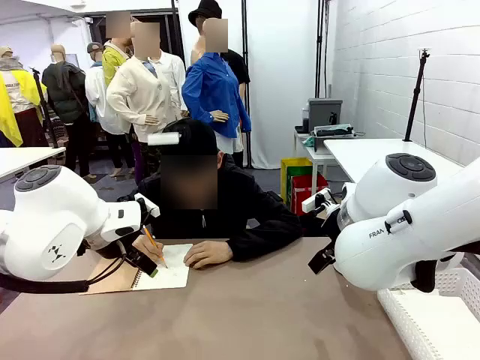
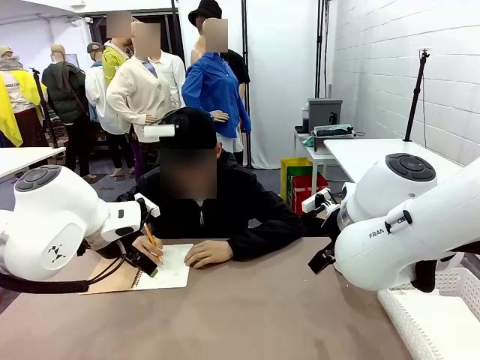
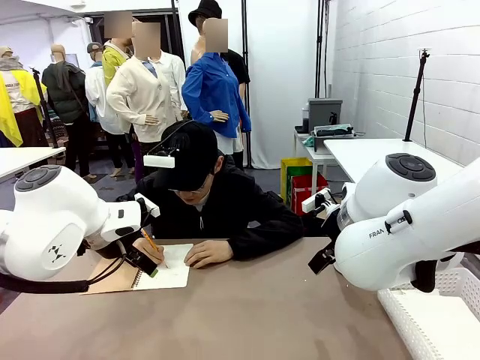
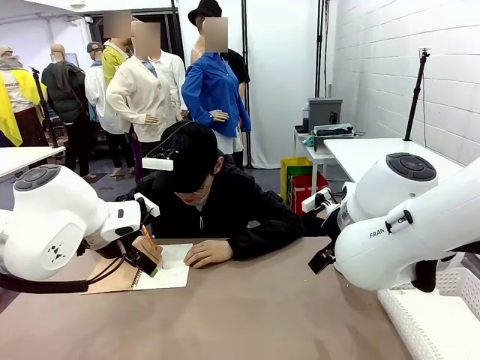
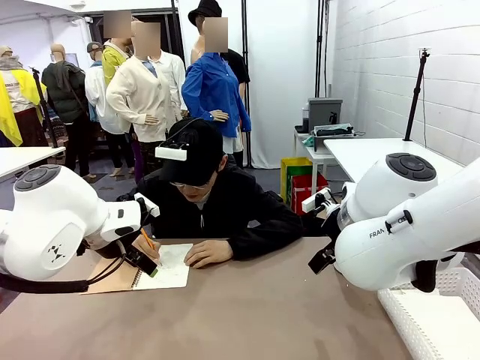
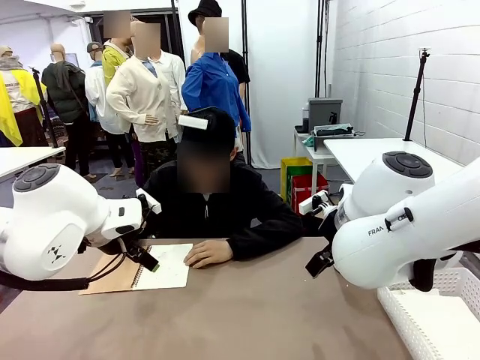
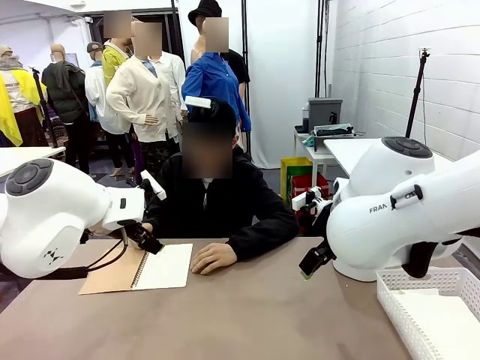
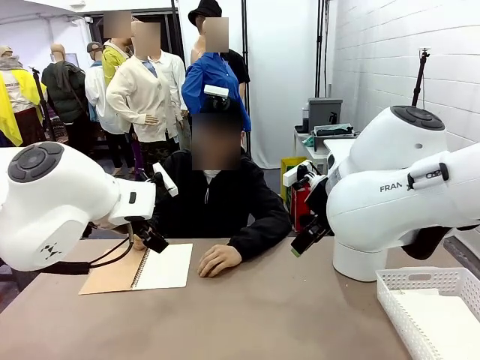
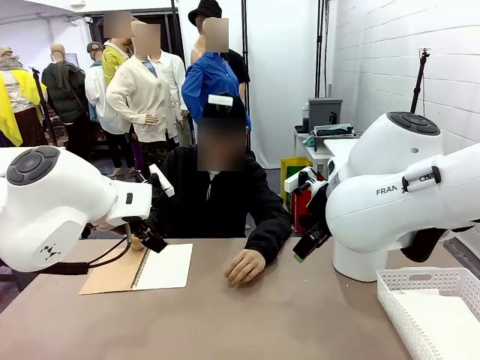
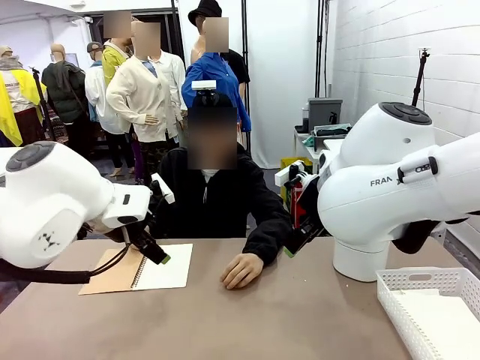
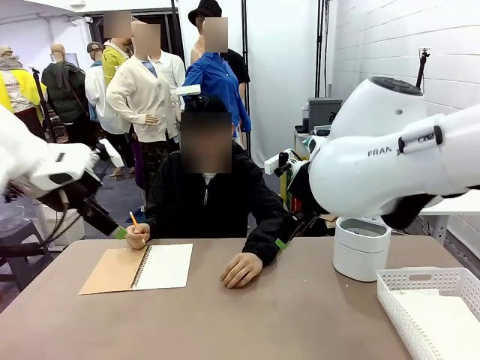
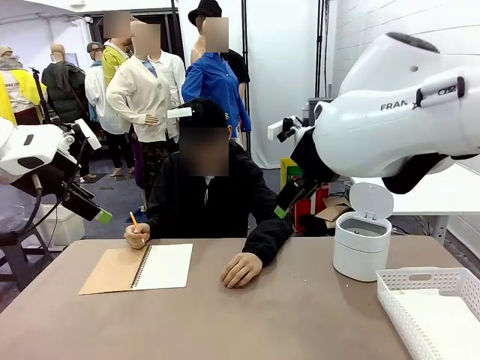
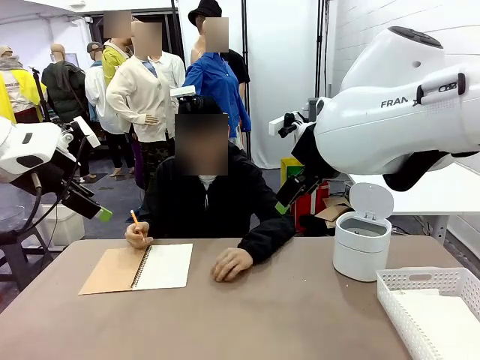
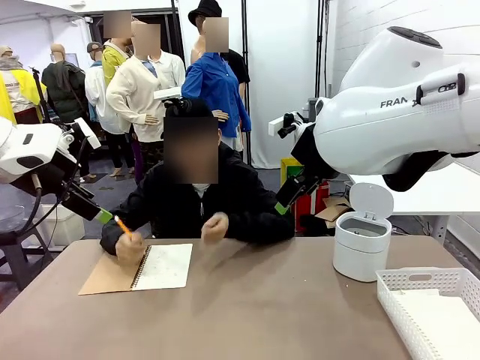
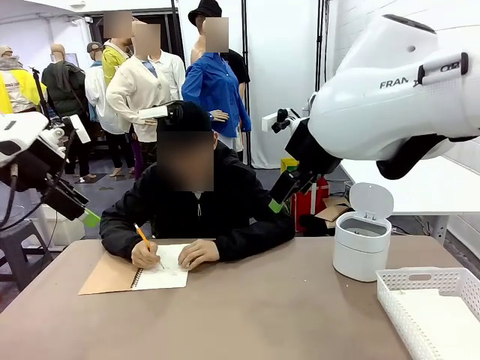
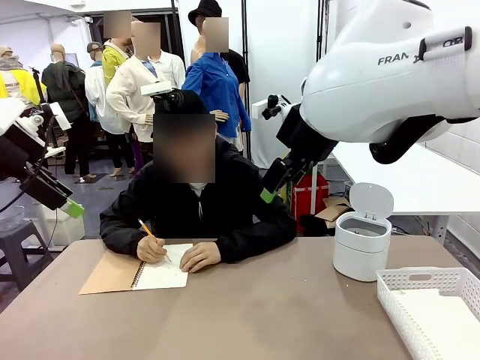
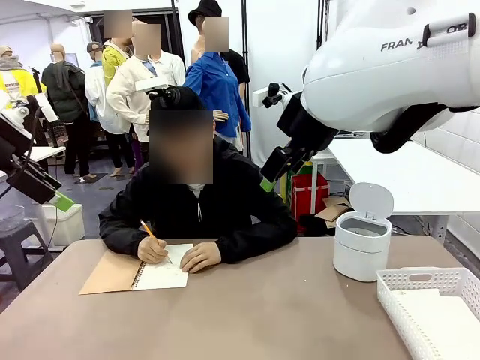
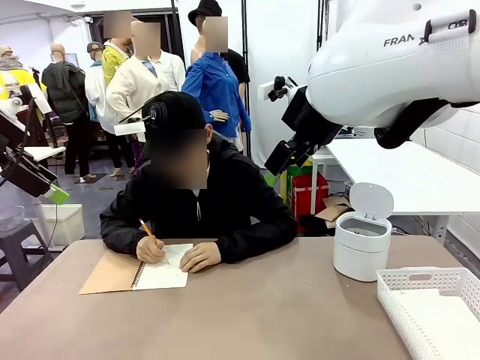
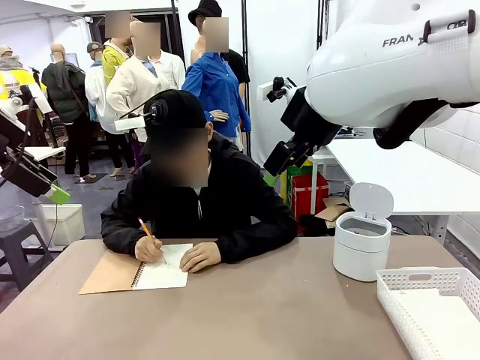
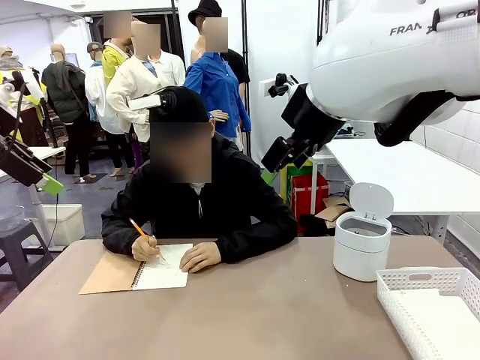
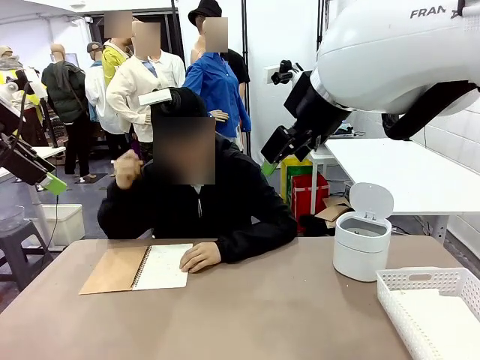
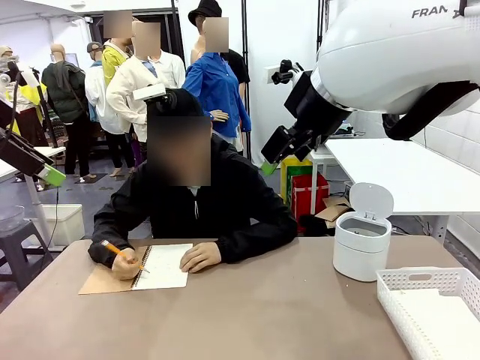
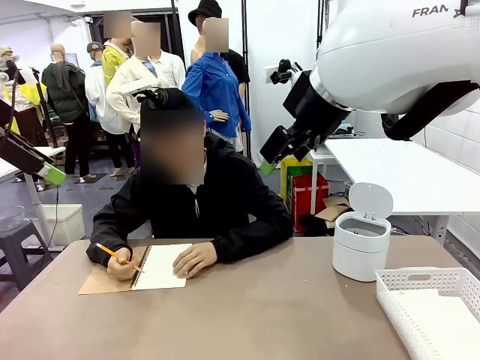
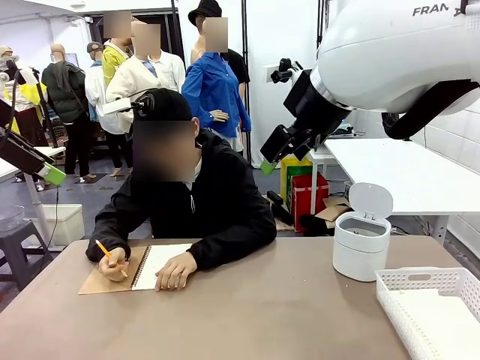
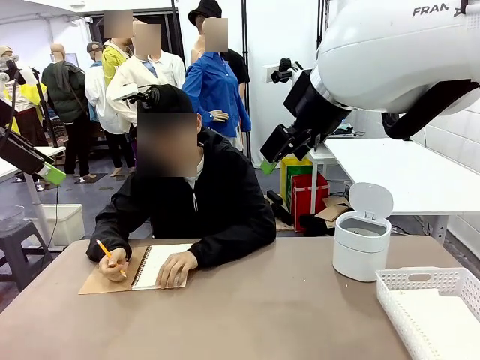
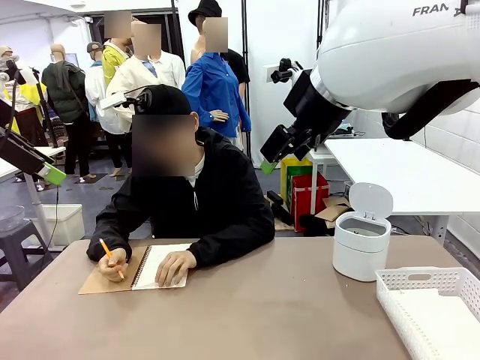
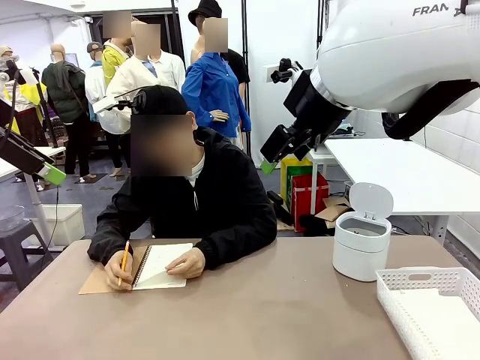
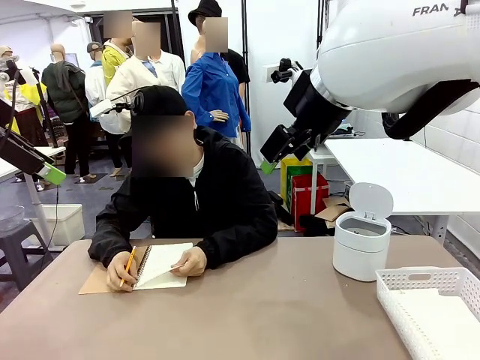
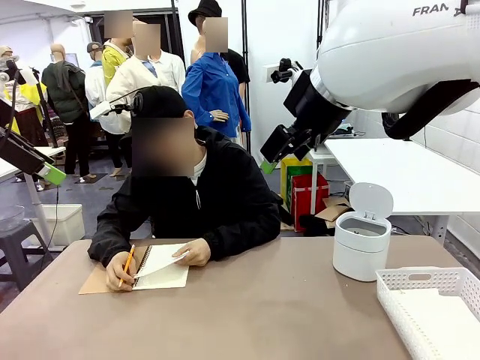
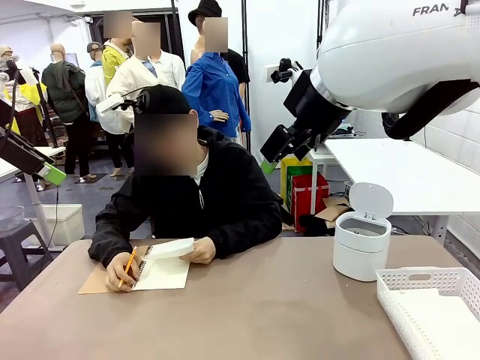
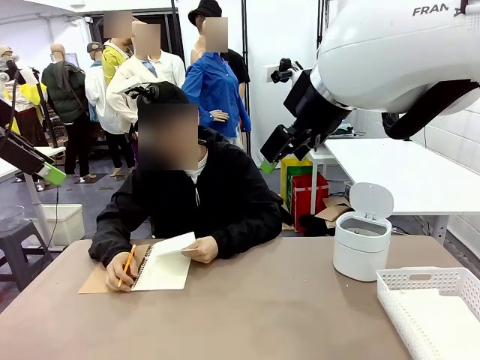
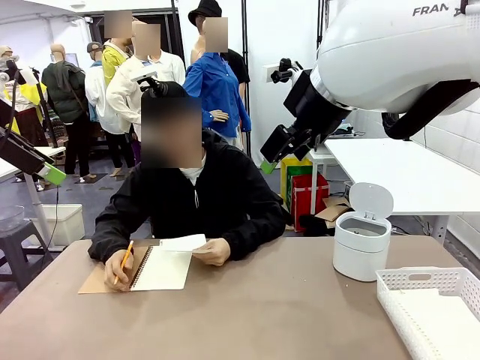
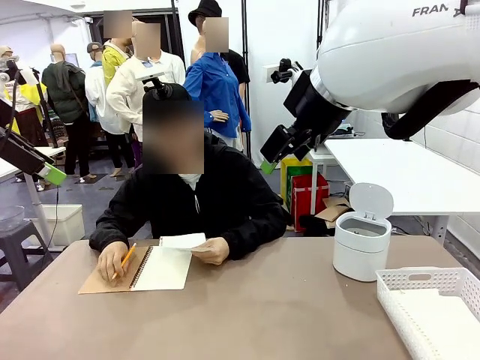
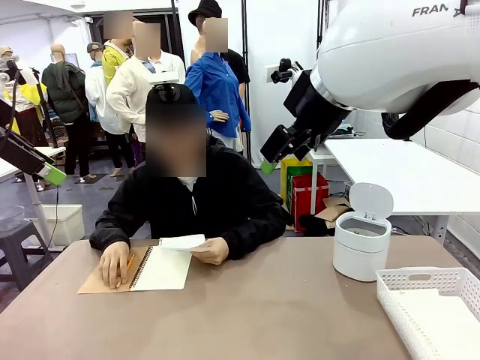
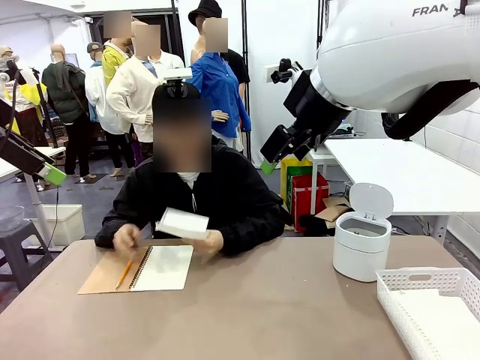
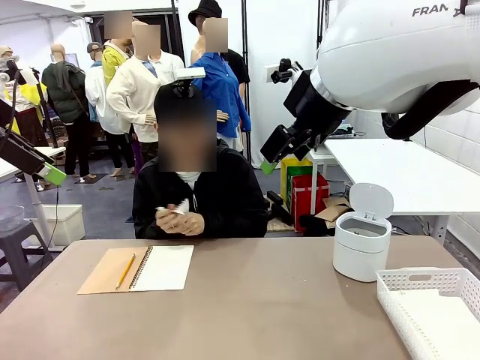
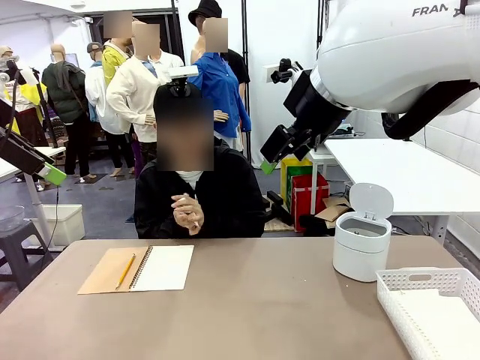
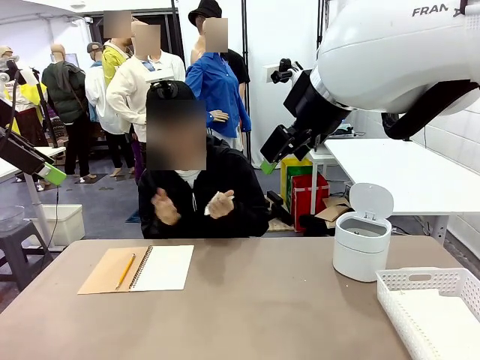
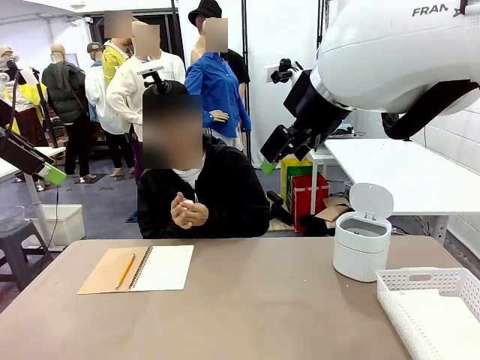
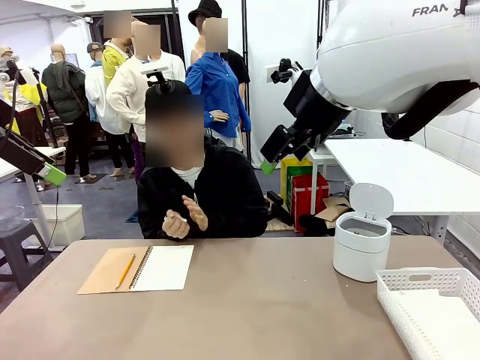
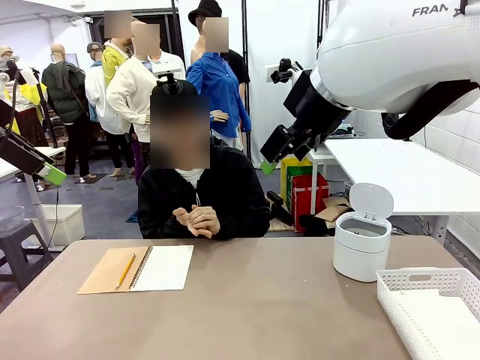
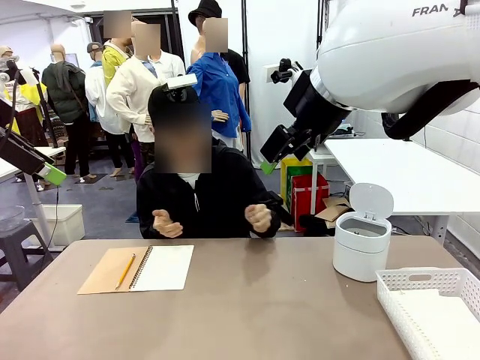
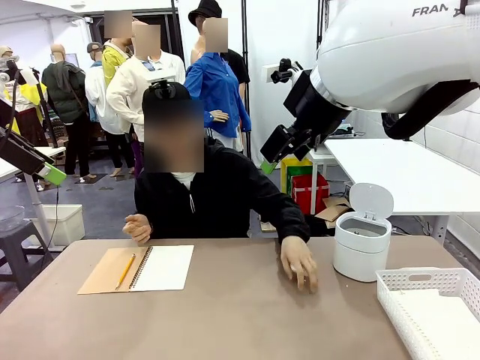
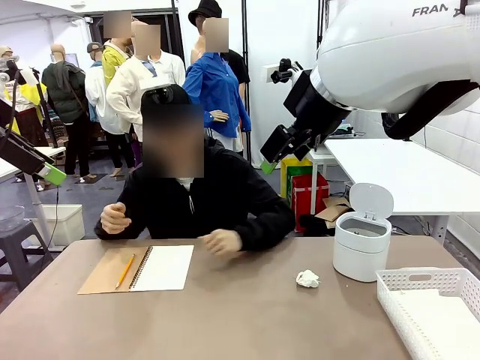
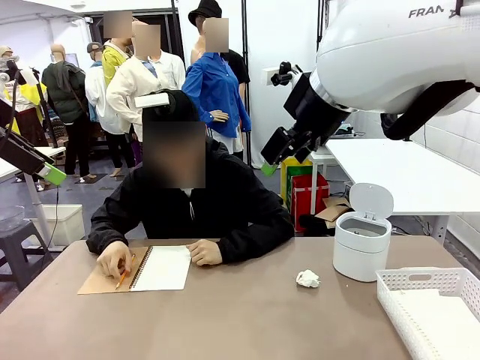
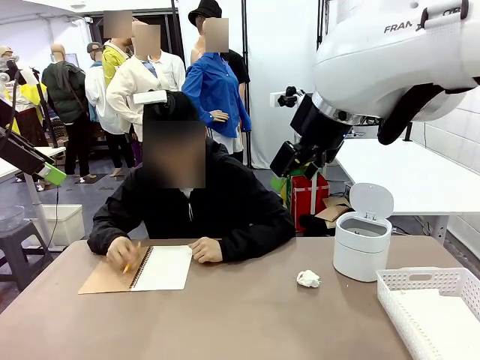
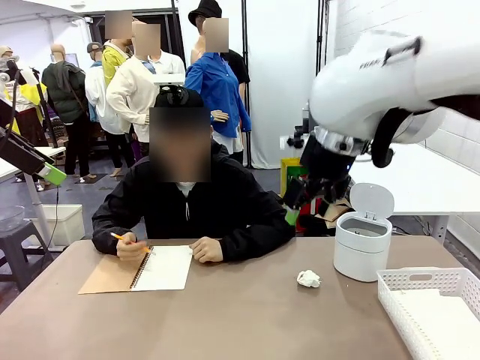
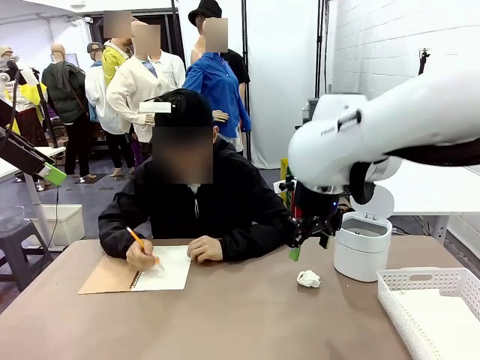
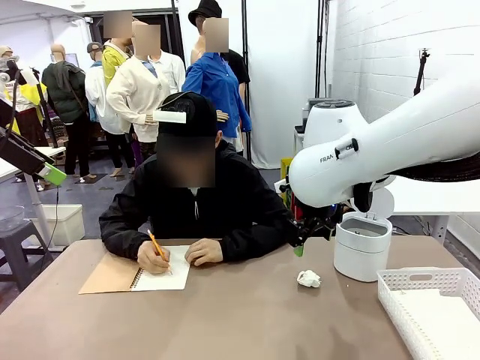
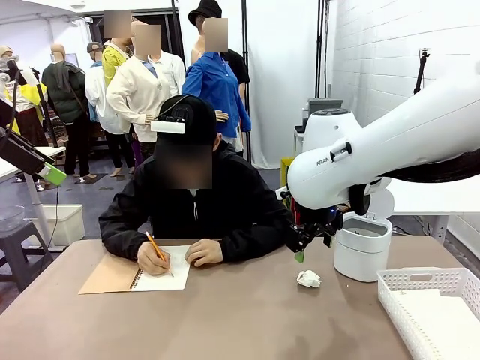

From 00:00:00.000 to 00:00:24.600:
Task: Sort the paper based on its condition.
Robot: If a person hands you a paper, place it in the Organizing basket , and if it's crumpled, put it in the Trash can.
Person: Tear out a page from the spiral notebook. Hand the torn page to the robot or crumple it and throw it to the center of the table.
